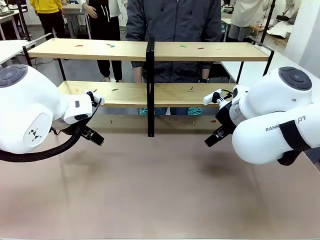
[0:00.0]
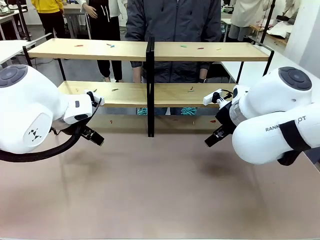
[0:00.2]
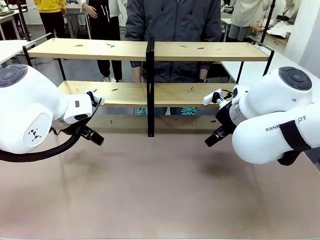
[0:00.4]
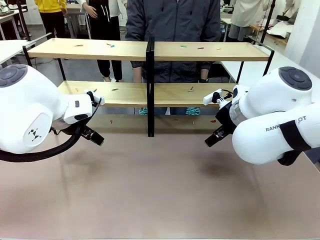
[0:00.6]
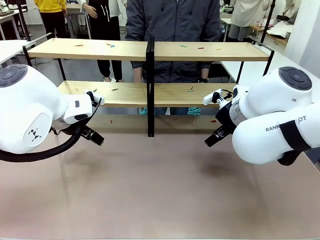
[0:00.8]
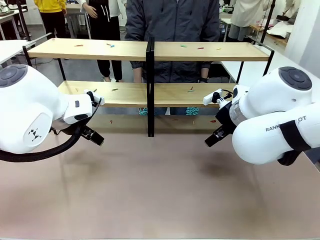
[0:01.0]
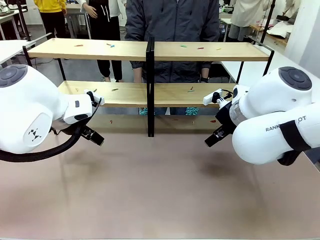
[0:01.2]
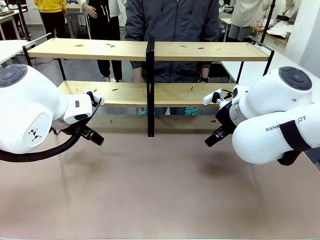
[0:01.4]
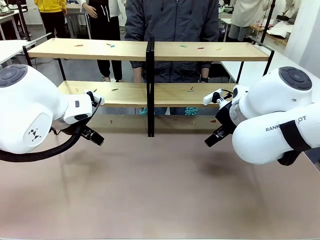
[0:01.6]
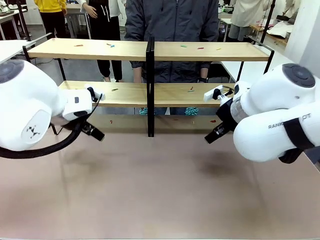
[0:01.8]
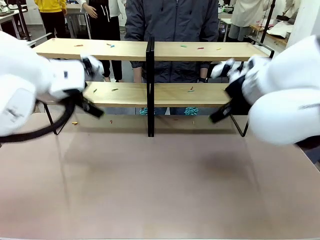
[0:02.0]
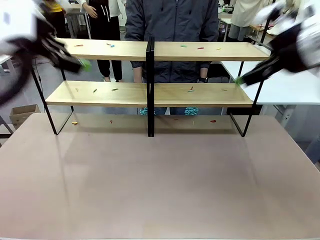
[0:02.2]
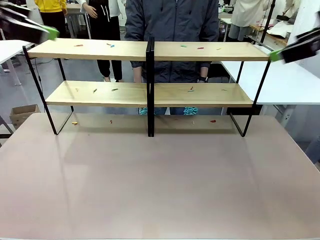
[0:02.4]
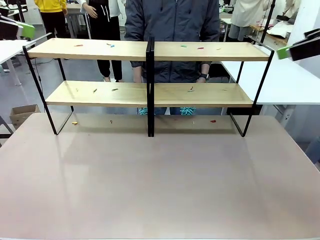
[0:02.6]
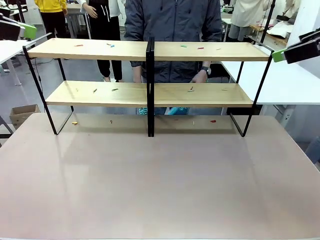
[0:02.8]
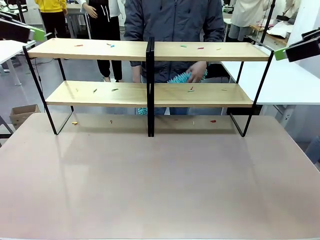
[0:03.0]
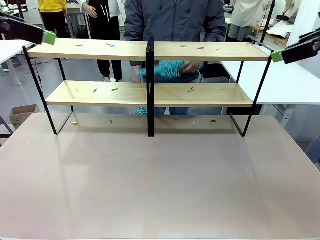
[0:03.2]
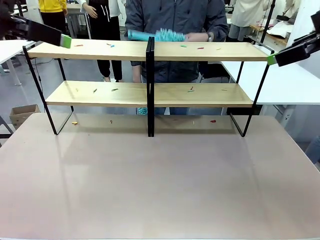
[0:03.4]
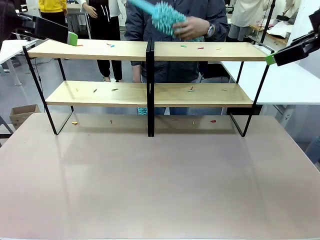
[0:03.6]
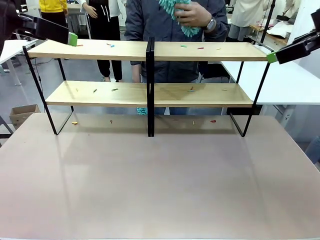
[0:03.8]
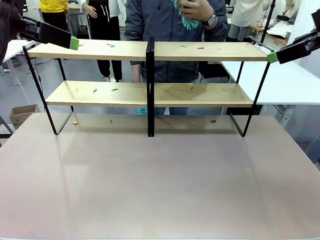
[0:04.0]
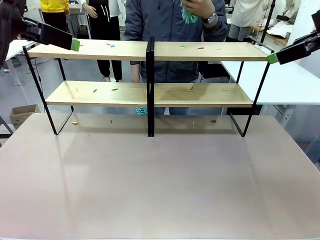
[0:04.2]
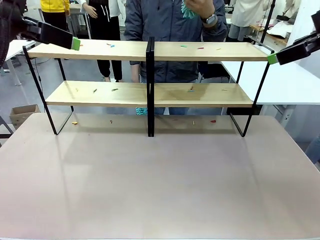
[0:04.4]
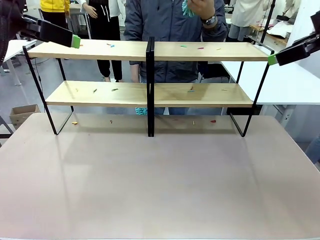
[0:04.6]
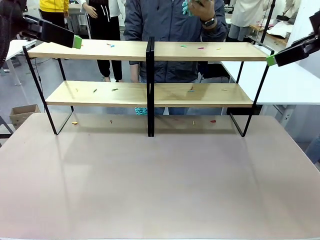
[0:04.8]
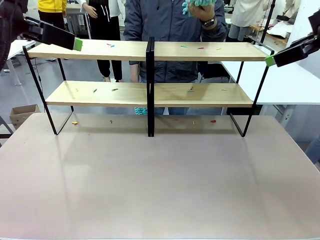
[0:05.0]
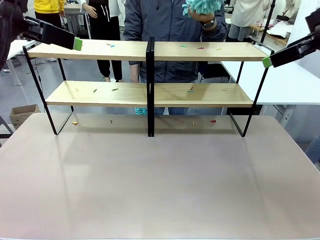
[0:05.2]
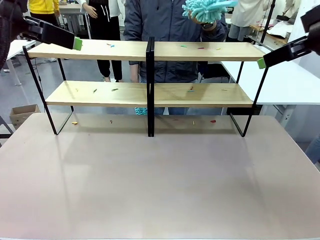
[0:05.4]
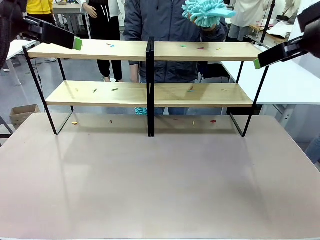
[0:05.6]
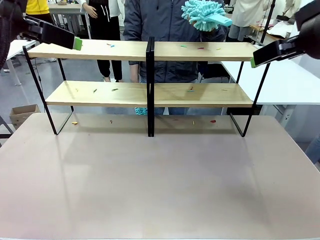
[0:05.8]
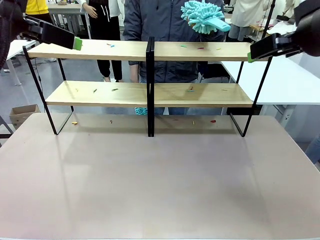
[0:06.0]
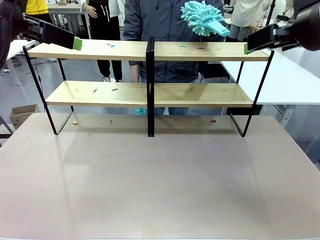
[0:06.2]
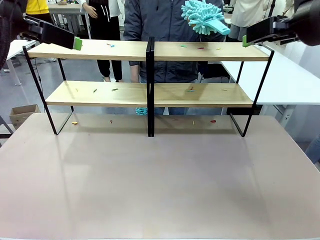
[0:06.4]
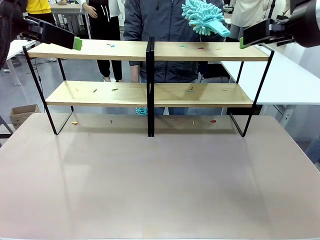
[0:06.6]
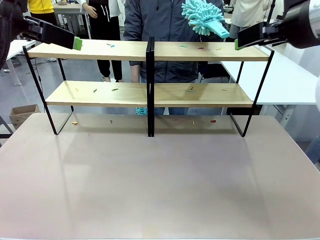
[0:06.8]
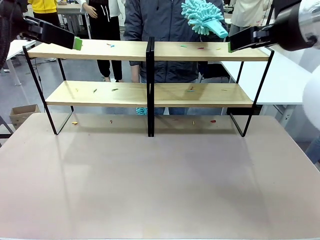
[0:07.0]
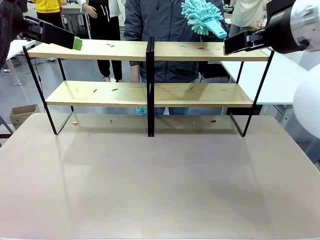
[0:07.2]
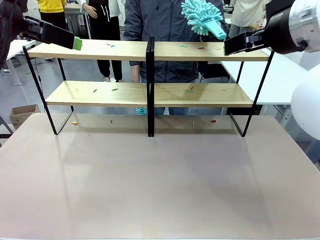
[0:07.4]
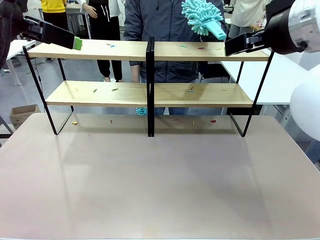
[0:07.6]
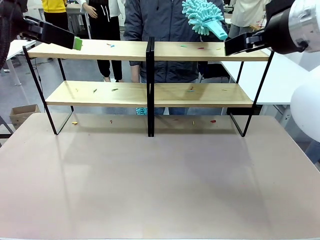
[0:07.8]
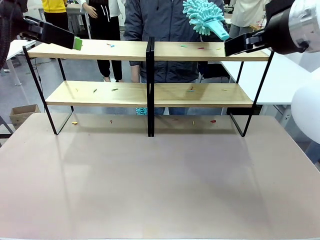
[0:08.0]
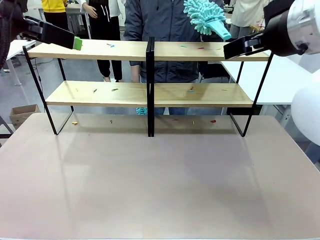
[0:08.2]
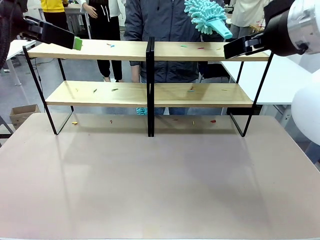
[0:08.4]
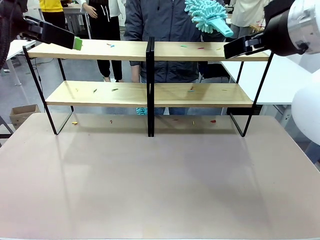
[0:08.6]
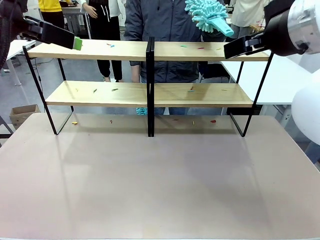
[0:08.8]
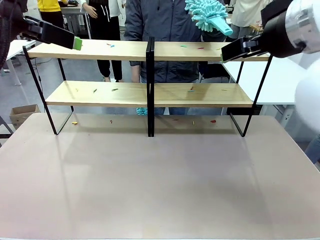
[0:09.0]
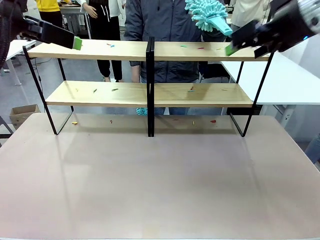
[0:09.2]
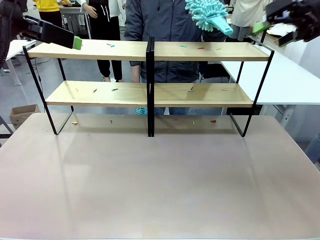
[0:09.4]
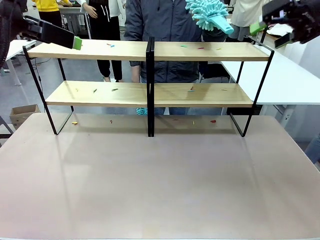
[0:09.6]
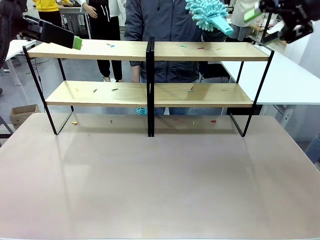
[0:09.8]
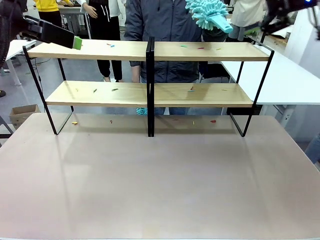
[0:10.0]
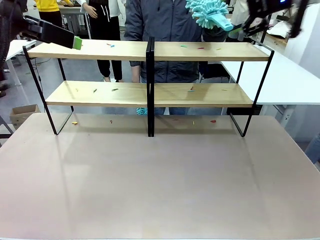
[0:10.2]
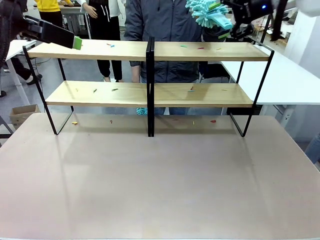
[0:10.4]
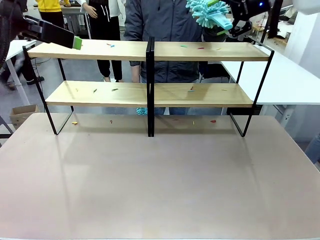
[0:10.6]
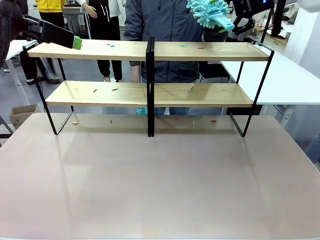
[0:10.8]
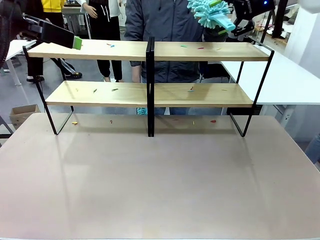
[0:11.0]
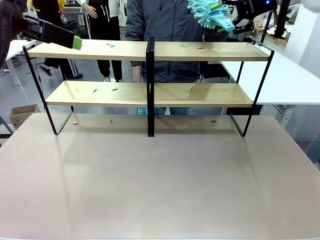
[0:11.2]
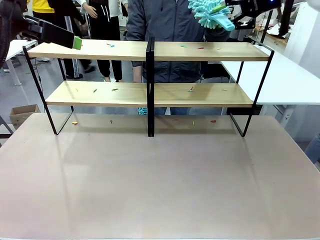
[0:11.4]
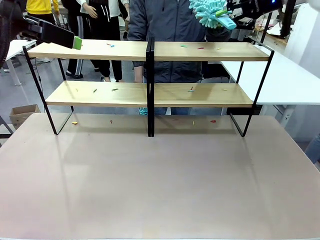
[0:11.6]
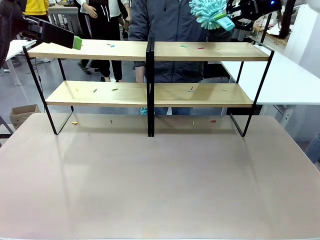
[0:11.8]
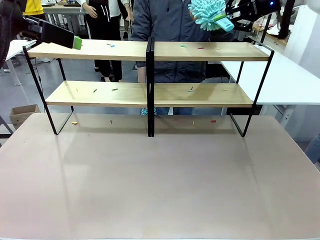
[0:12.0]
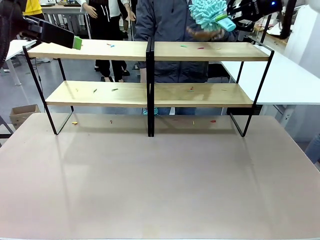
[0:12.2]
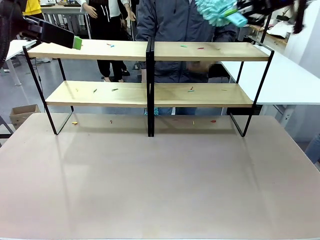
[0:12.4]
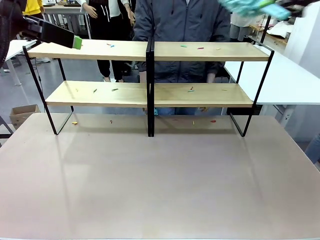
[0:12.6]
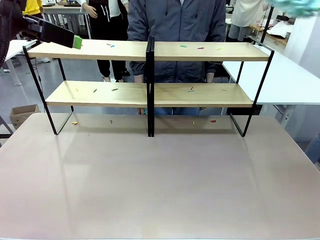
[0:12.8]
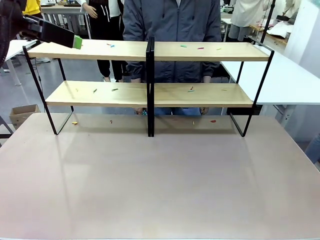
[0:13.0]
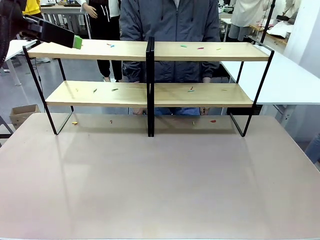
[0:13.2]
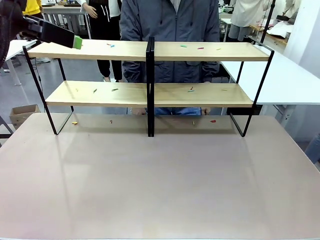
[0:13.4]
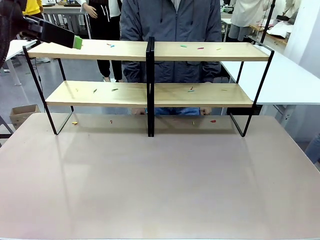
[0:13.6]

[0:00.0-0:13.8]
Task: Clean the shelves.
Robot: Pick up the Duster when the human hands it over.
Person: Hand the Duster to the robot with your right (or left) hand.
